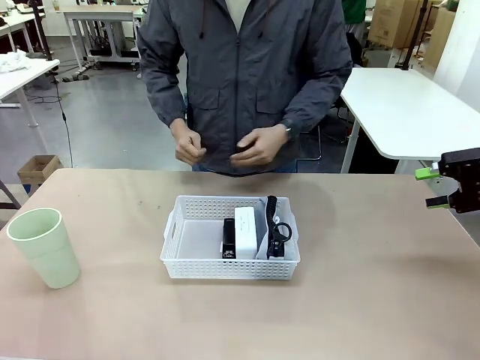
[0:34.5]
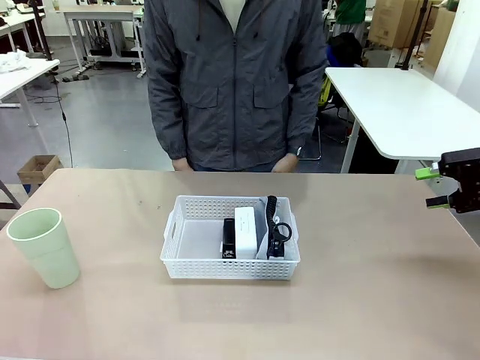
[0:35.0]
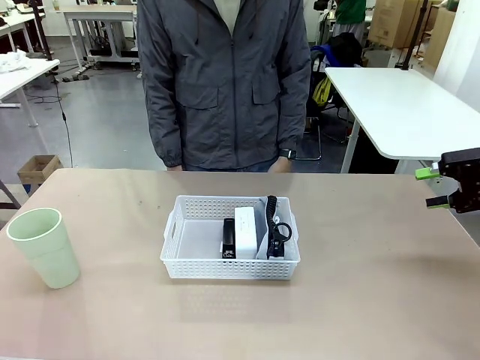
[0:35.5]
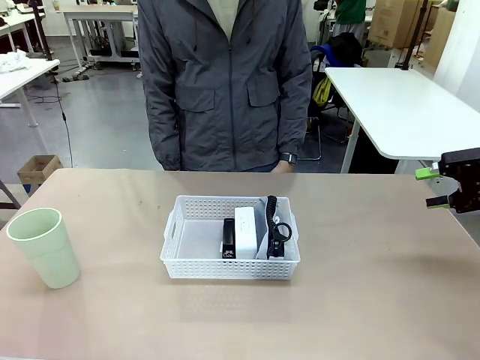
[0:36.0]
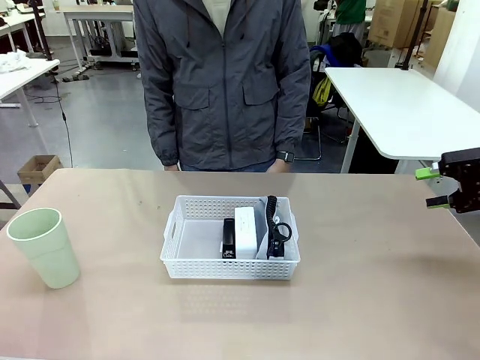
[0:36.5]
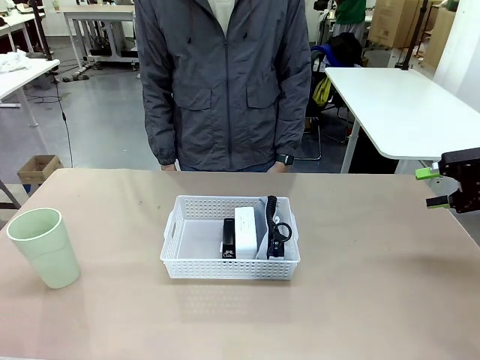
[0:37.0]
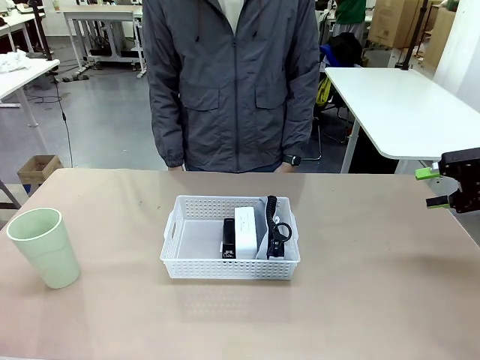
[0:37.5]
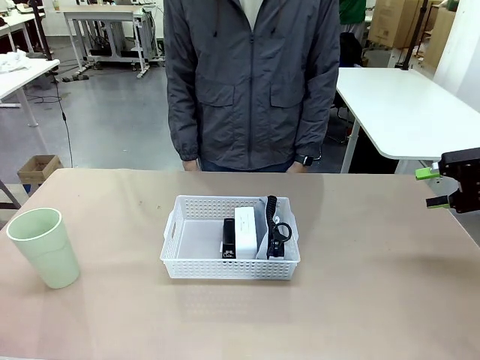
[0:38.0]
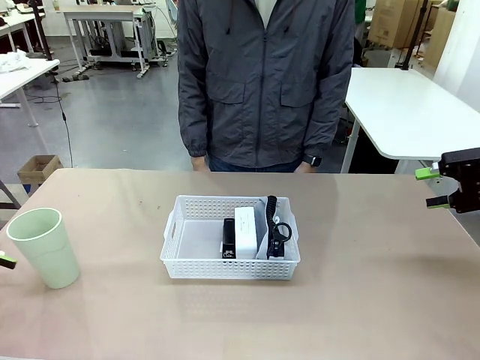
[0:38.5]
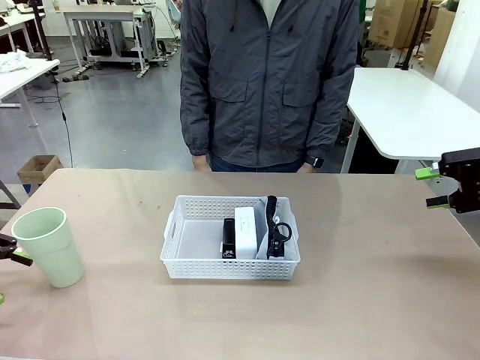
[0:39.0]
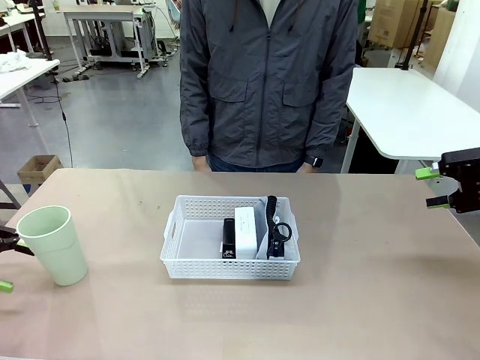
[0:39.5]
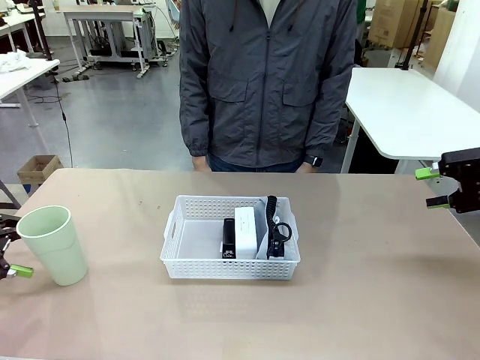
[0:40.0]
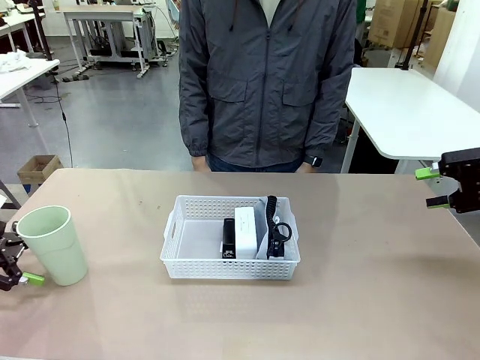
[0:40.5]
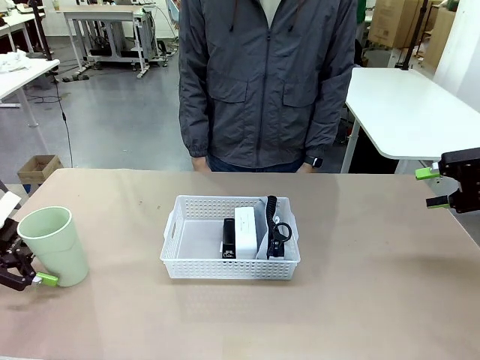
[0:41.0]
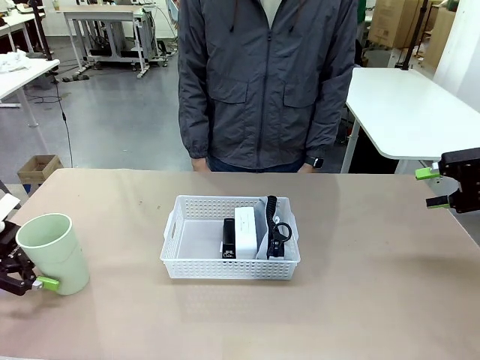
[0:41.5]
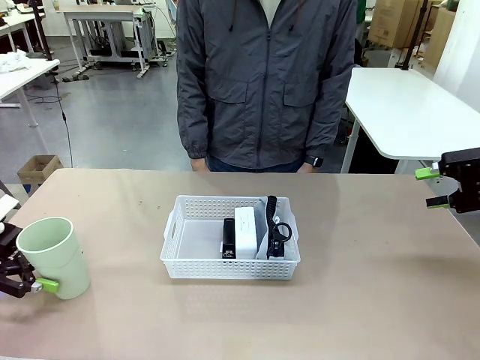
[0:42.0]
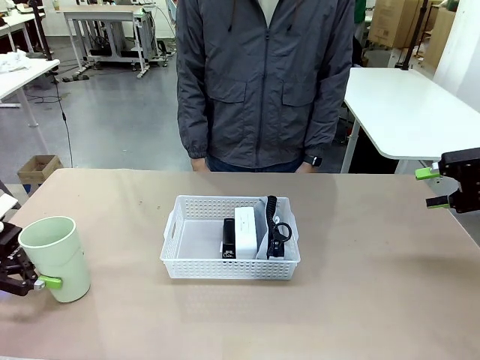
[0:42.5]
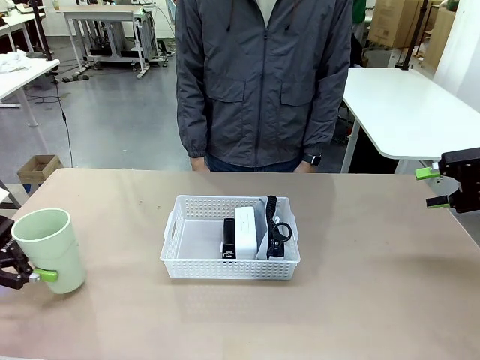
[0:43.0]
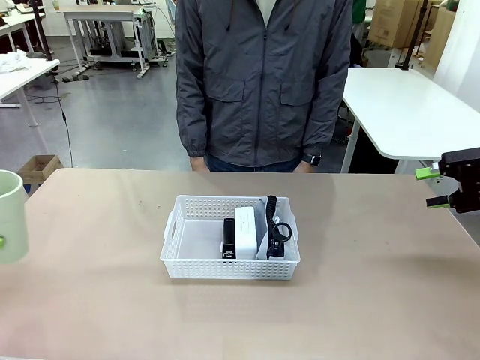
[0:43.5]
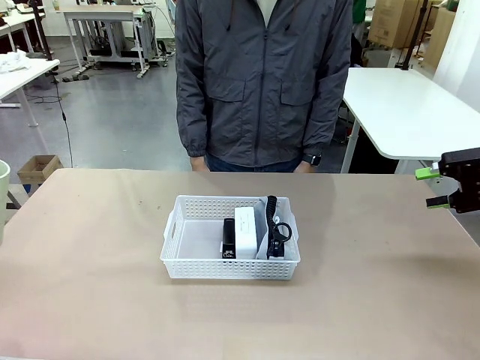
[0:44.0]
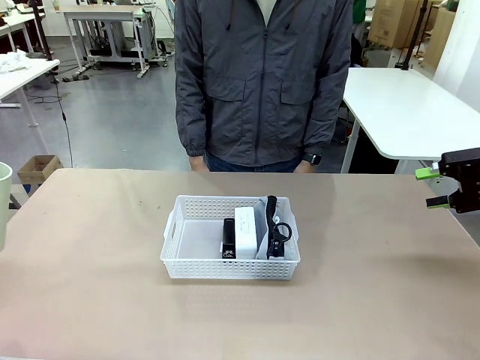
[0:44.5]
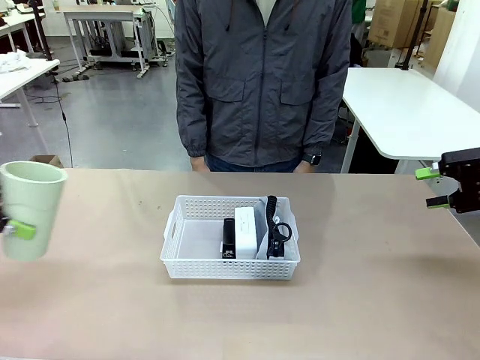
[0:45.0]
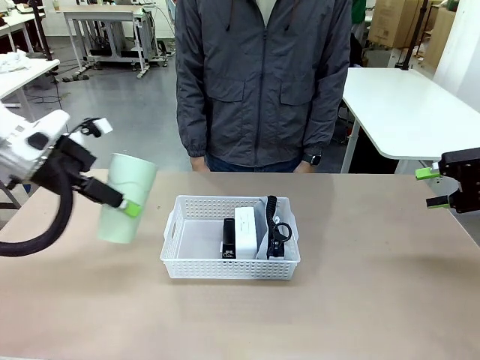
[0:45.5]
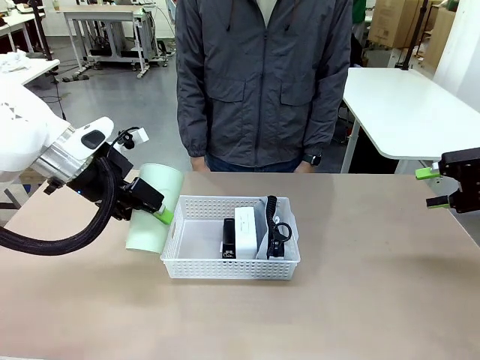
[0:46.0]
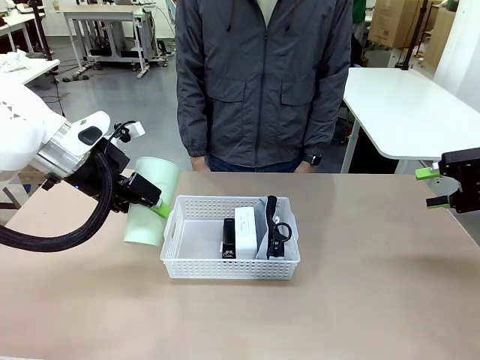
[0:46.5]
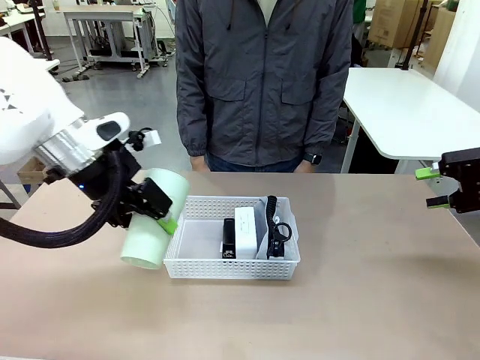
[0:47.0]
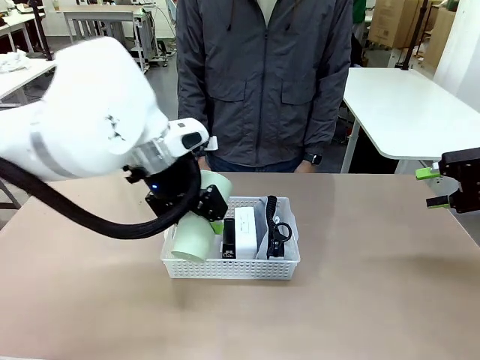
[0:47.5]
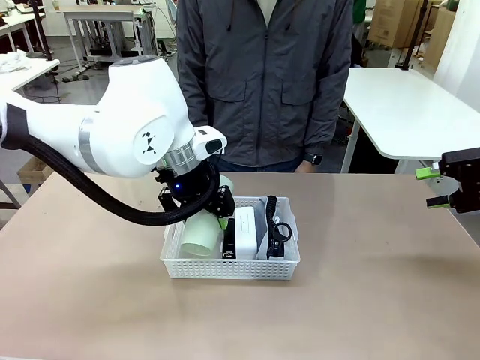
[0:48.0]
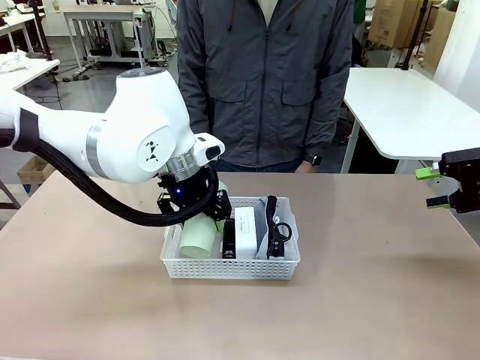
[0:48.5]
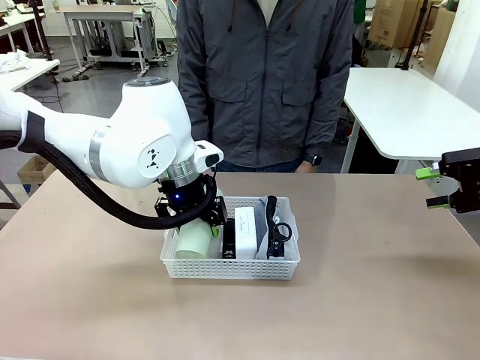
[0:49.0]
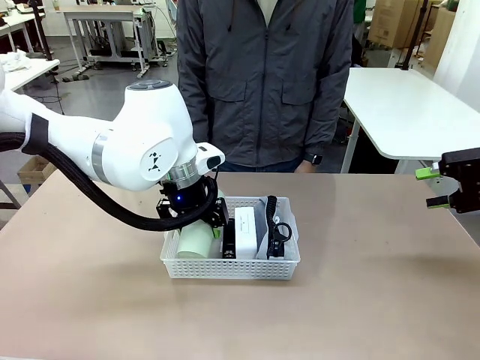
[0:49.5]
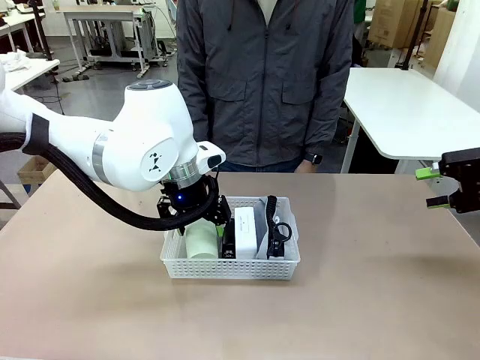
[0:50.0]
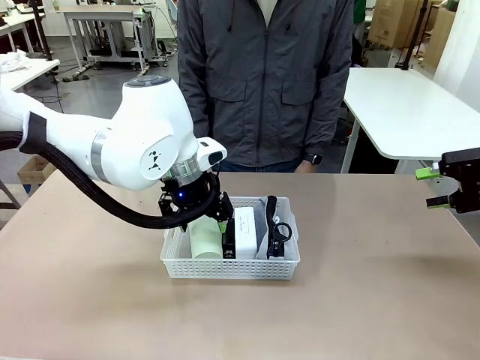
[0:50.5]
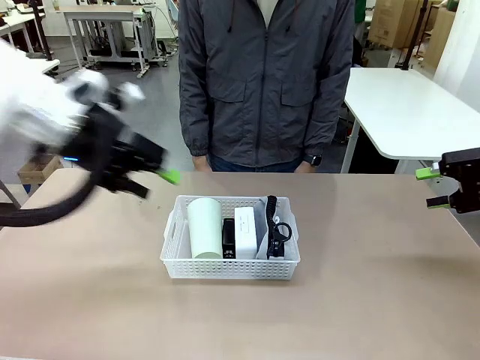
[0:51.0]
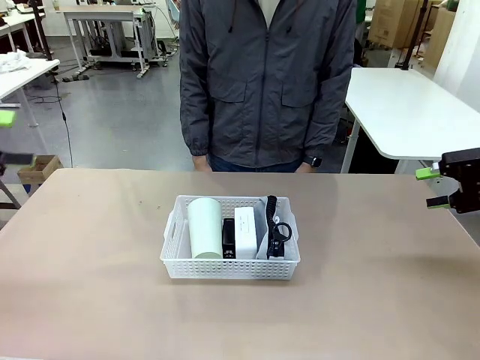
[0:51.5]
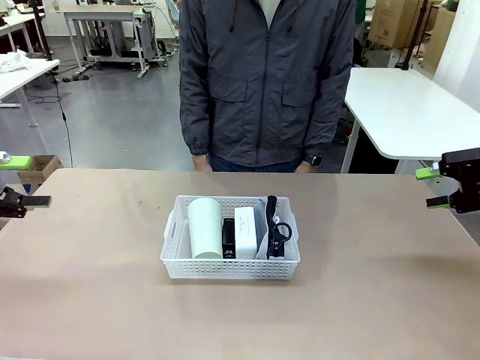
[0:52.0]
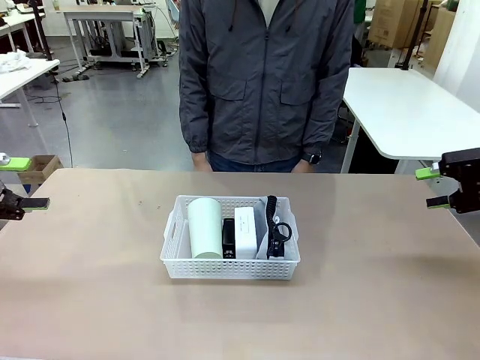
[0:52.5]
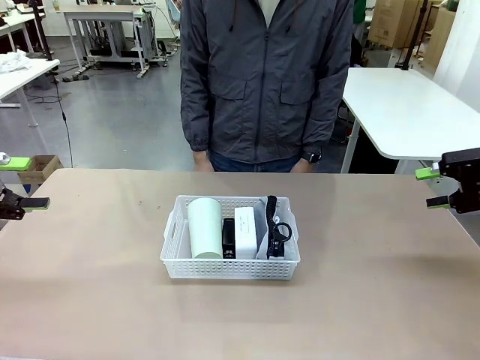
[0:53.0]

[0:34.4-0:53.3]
Task: Efficiently arrange items inside the basket to fit them all.
Robot: Pick up the Reusable plastic cup and place it inside the Organizing basket.
Person: Repositions the stapler.

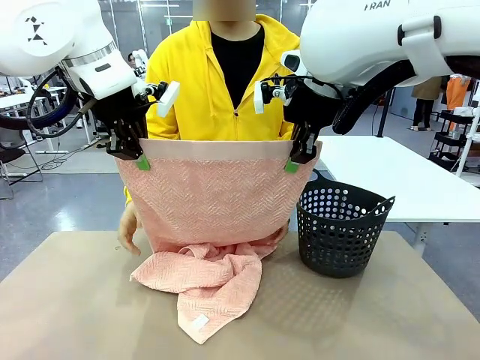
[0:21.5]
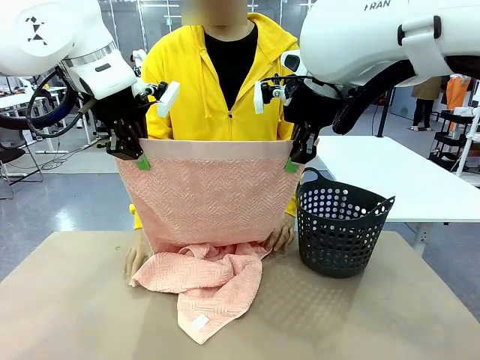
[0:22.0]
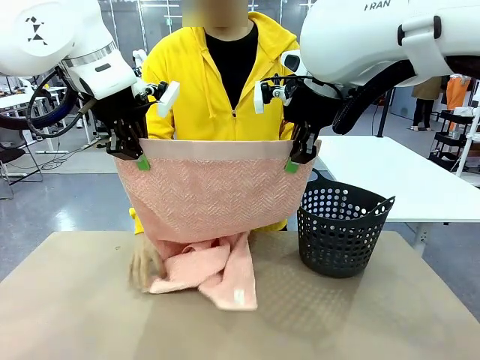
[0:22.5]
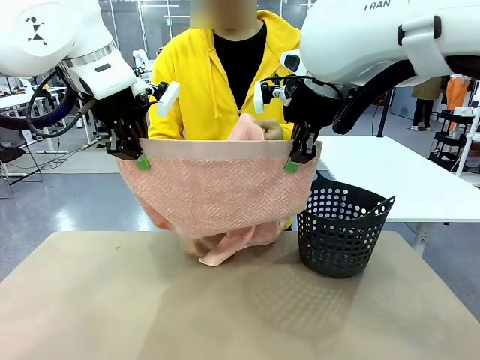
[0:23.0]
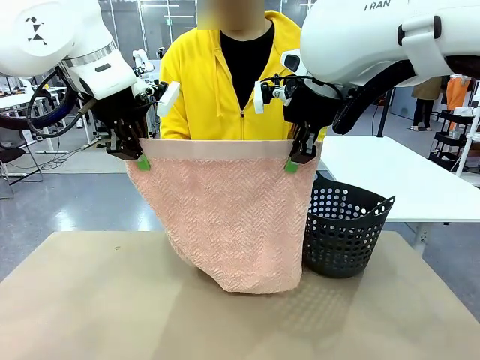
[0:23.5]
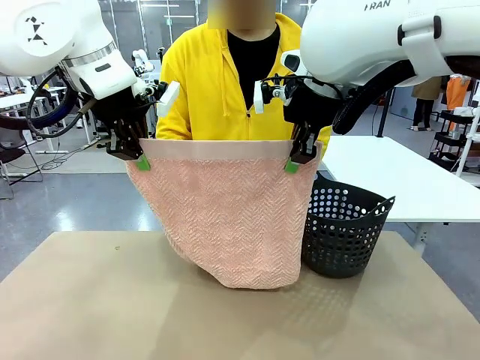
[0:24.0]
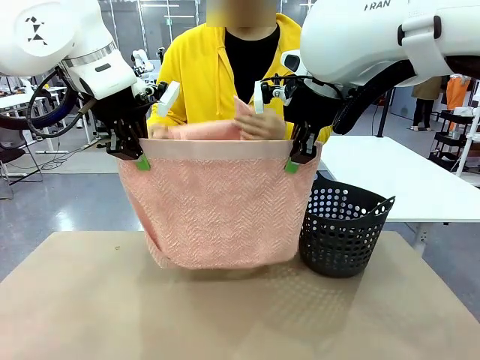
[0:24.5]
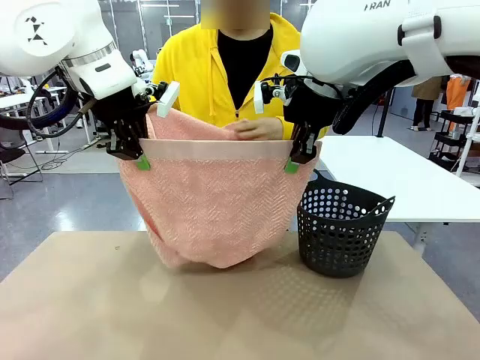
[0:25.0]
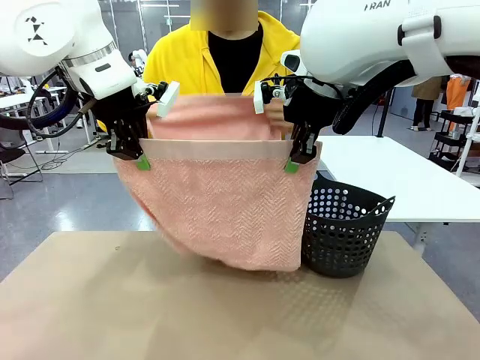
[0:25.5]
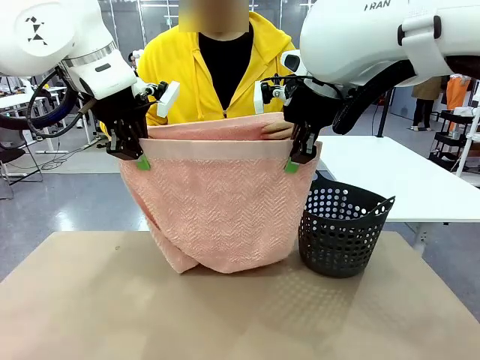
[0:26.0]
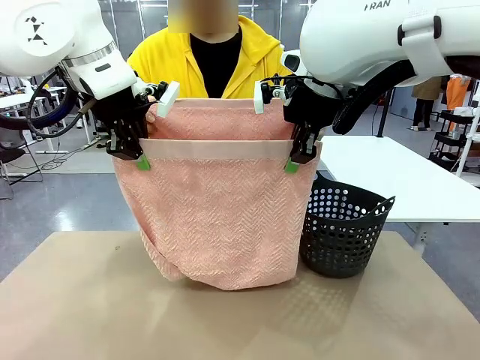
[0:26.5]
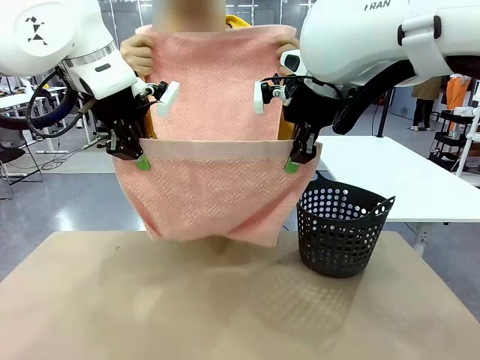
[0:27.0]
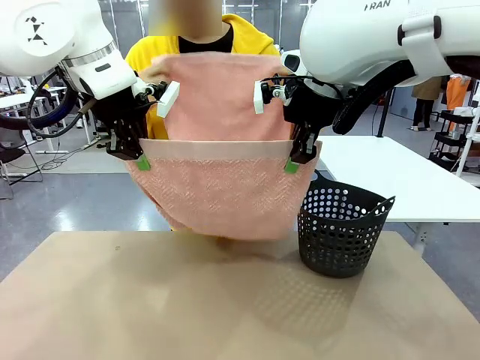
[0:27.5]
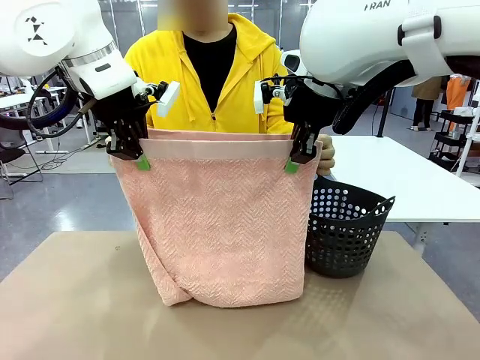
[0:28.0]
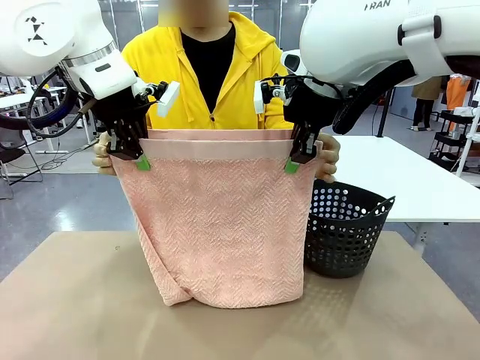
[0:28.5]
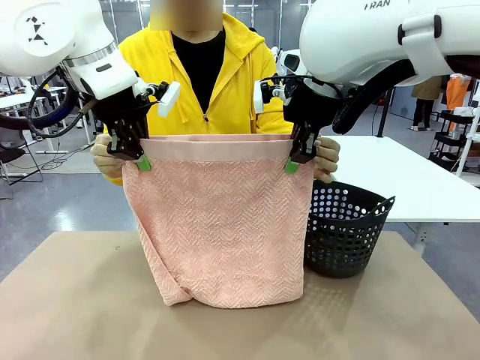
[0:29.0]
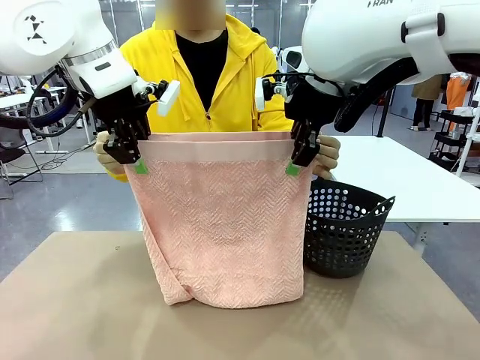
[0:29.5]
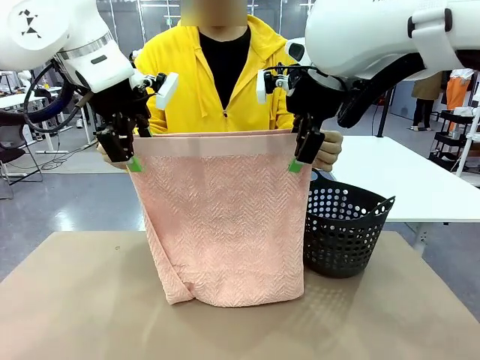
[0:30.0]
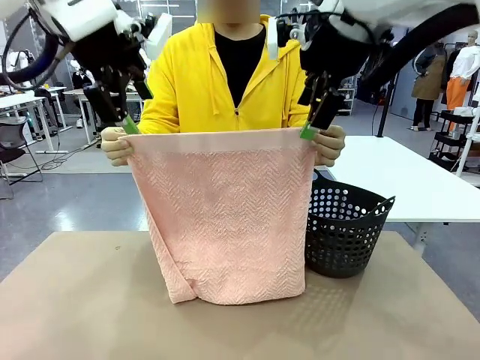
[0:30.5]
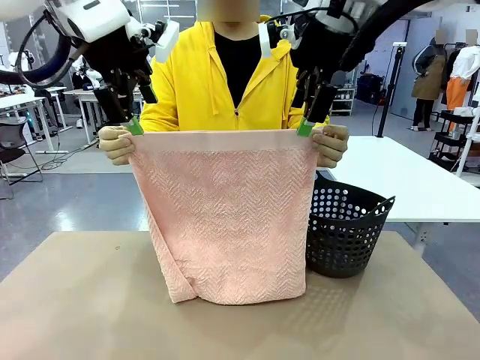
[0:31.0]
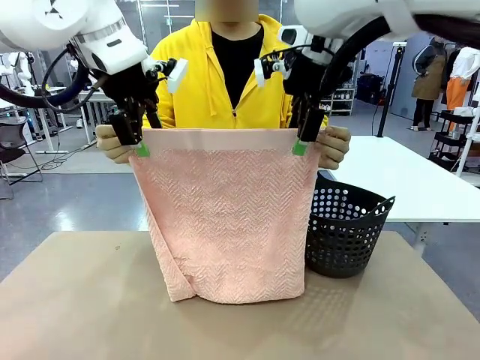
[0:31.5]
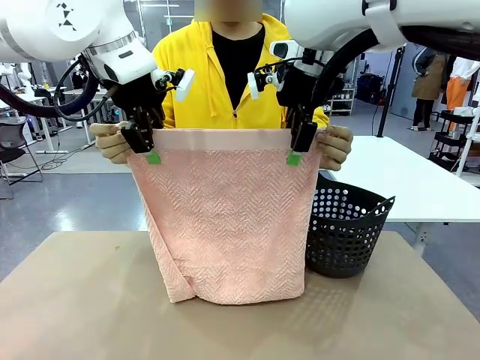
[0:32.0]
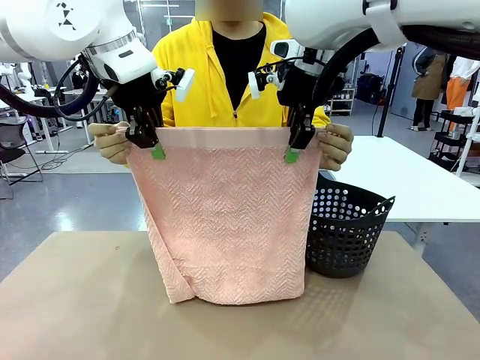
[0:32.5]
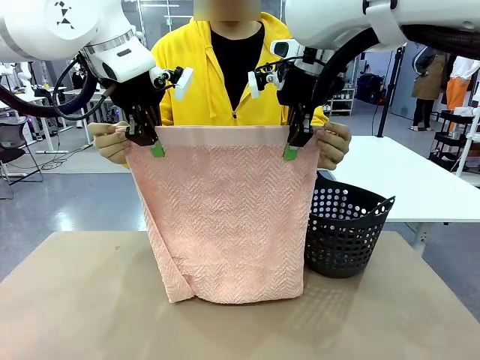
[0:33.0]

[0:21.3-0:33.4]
Task: Fold the towel.
Robot: Release the end of the 100 cm Hotel Towel you were holding and grab the top end of the folded side.
